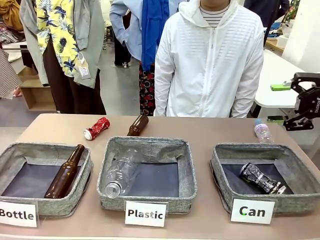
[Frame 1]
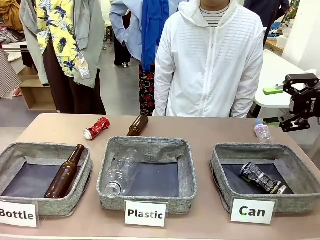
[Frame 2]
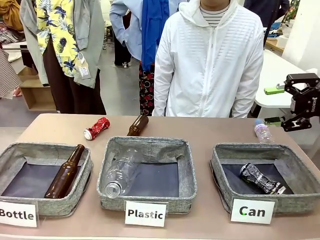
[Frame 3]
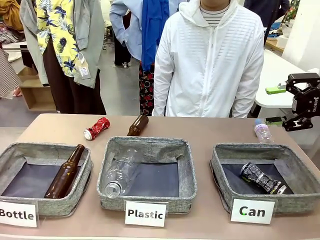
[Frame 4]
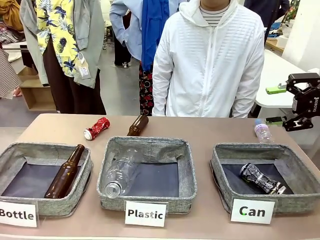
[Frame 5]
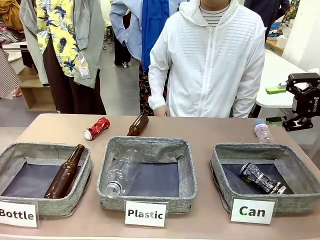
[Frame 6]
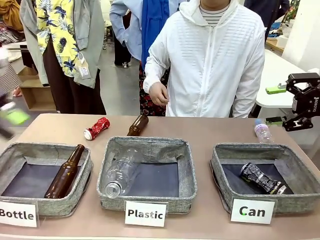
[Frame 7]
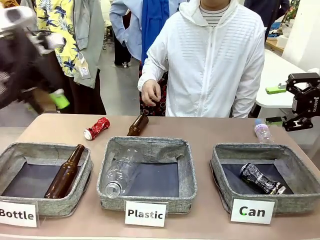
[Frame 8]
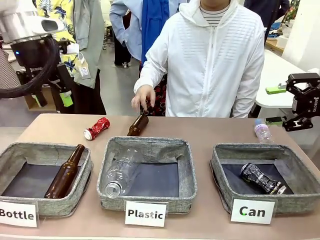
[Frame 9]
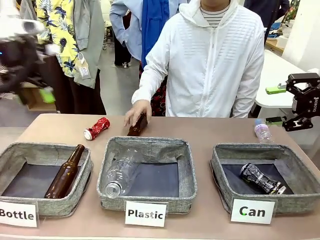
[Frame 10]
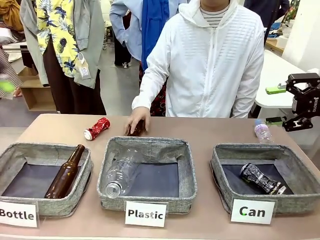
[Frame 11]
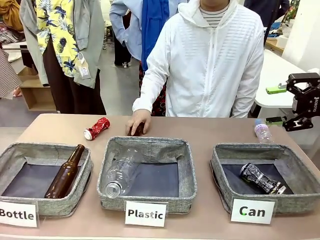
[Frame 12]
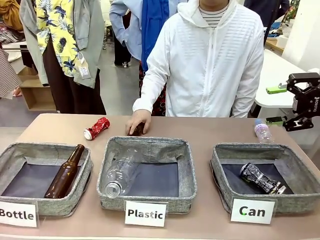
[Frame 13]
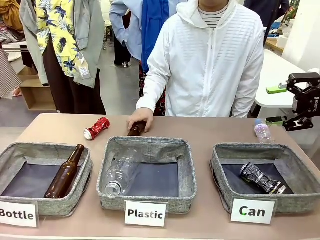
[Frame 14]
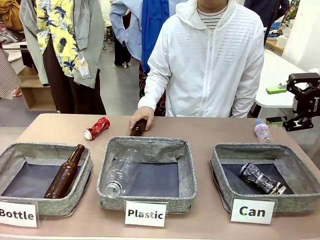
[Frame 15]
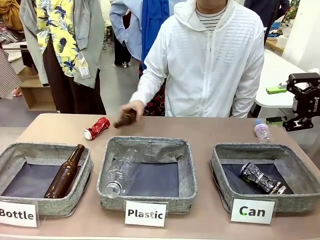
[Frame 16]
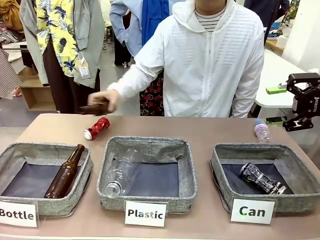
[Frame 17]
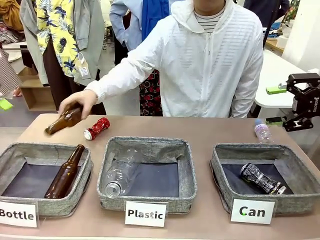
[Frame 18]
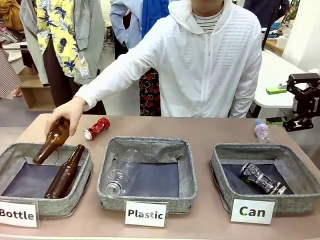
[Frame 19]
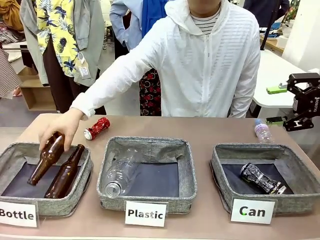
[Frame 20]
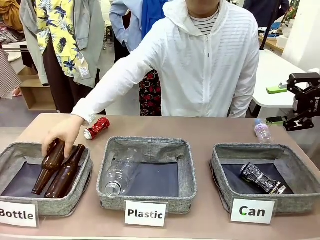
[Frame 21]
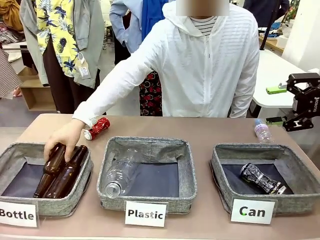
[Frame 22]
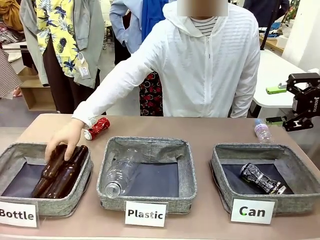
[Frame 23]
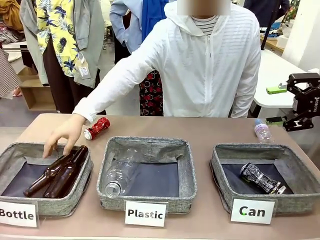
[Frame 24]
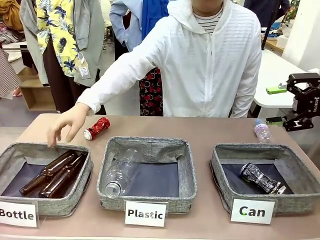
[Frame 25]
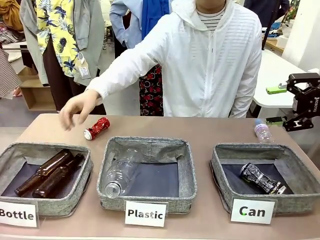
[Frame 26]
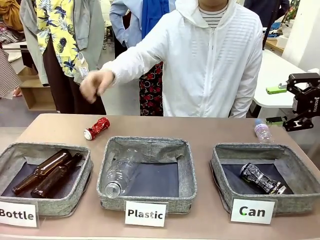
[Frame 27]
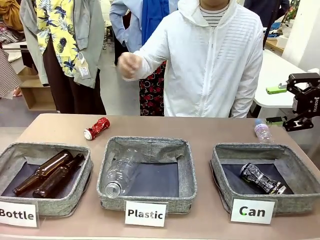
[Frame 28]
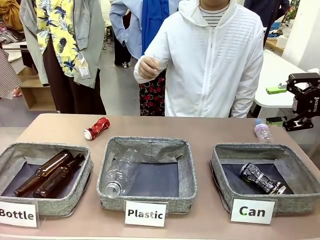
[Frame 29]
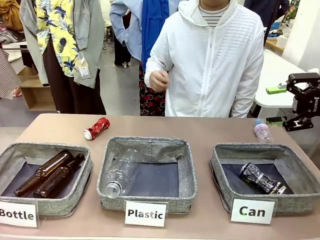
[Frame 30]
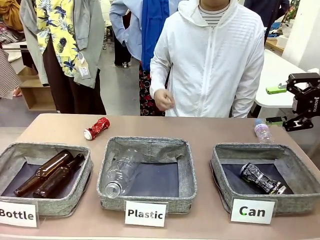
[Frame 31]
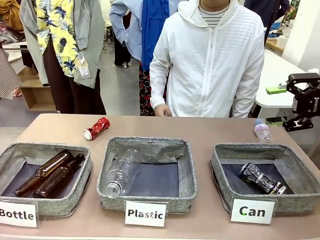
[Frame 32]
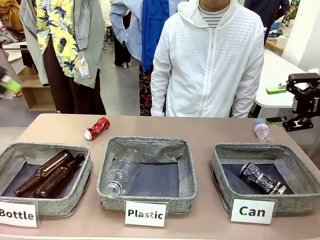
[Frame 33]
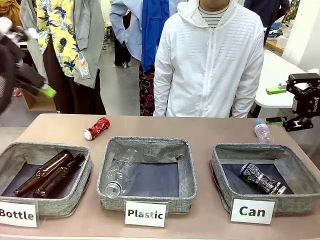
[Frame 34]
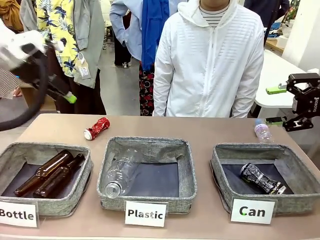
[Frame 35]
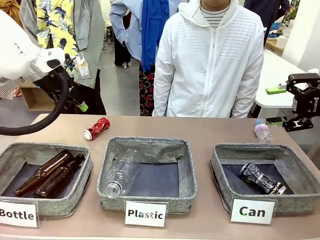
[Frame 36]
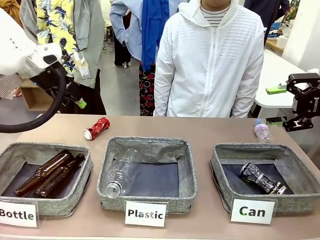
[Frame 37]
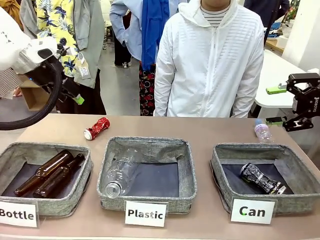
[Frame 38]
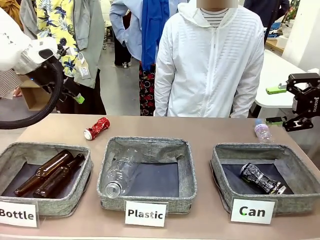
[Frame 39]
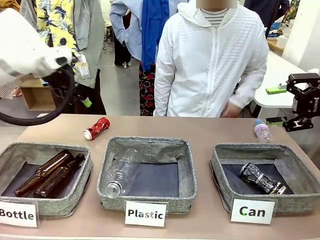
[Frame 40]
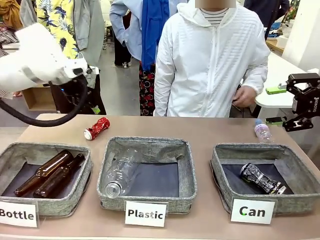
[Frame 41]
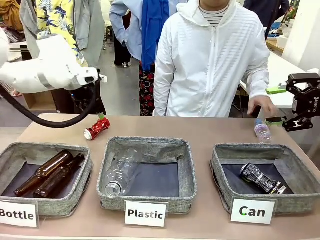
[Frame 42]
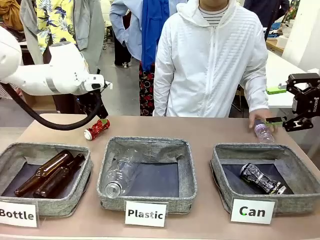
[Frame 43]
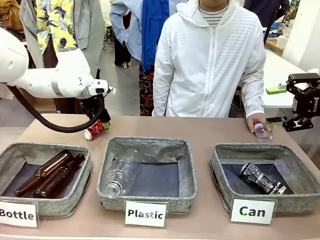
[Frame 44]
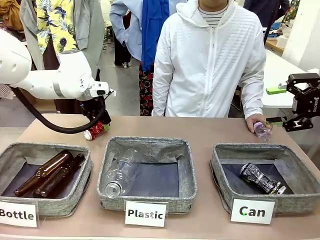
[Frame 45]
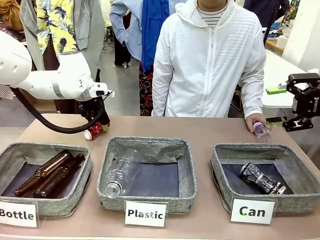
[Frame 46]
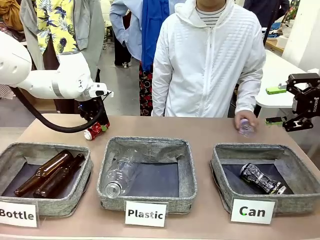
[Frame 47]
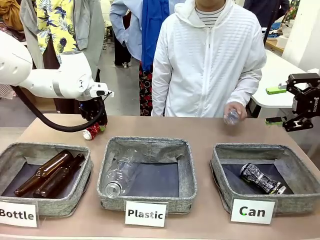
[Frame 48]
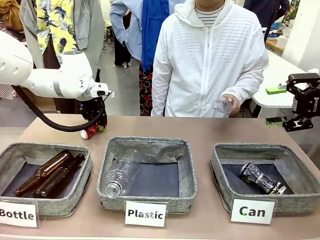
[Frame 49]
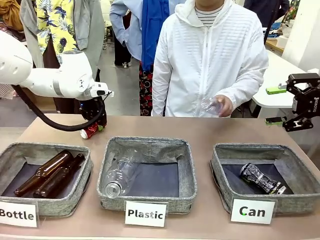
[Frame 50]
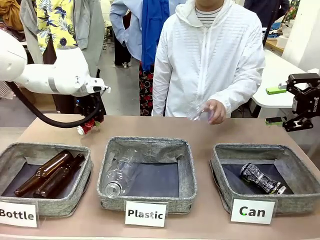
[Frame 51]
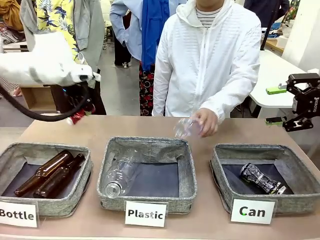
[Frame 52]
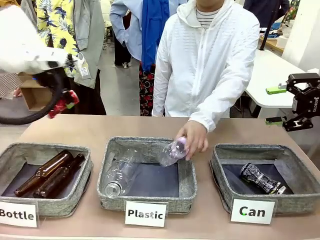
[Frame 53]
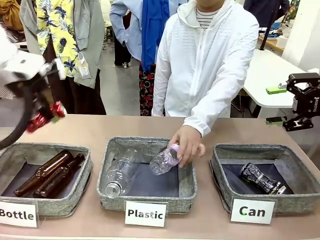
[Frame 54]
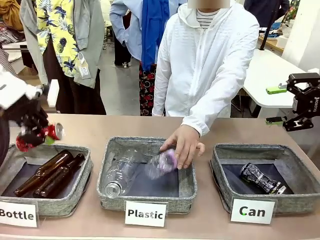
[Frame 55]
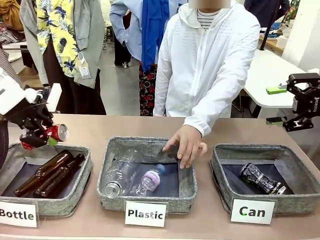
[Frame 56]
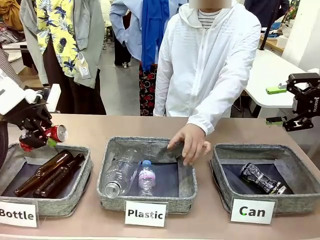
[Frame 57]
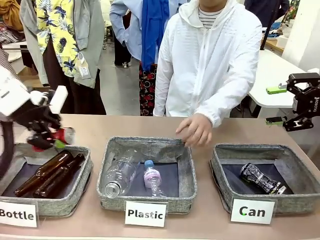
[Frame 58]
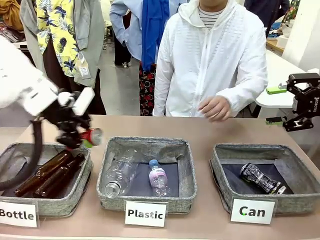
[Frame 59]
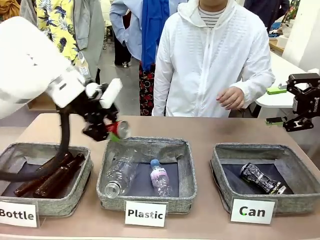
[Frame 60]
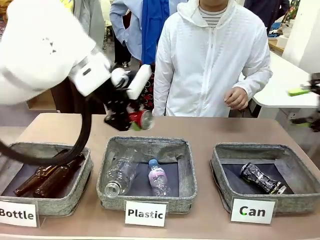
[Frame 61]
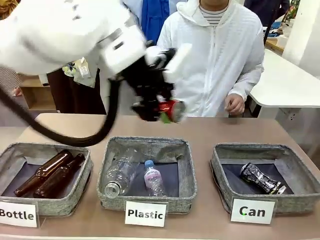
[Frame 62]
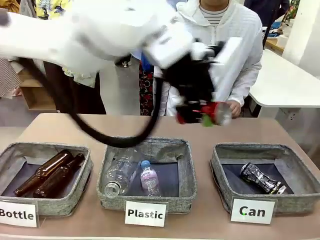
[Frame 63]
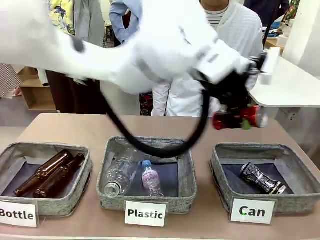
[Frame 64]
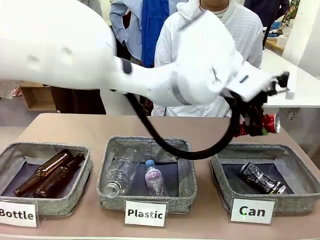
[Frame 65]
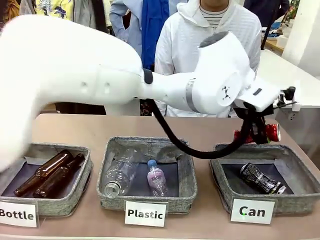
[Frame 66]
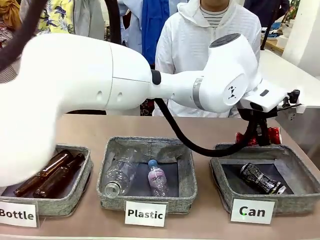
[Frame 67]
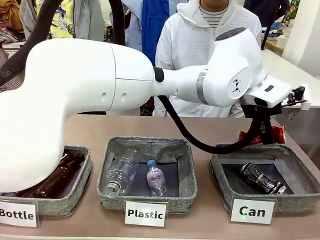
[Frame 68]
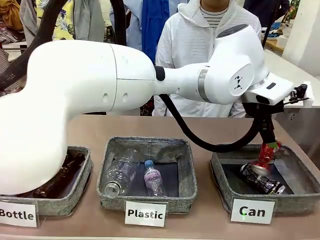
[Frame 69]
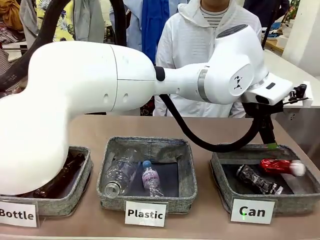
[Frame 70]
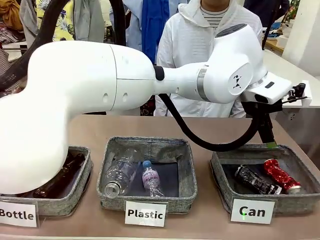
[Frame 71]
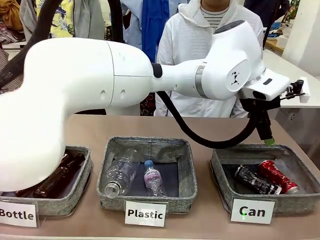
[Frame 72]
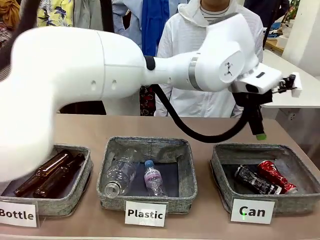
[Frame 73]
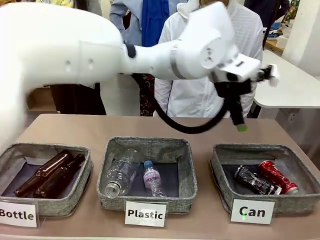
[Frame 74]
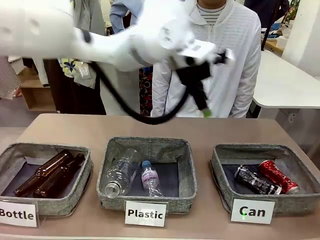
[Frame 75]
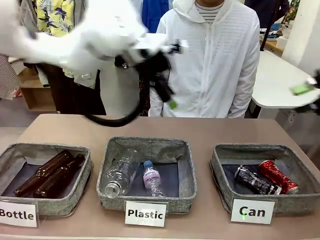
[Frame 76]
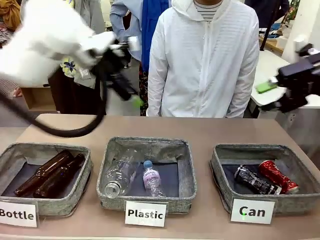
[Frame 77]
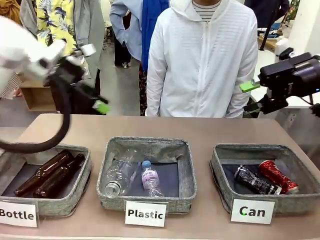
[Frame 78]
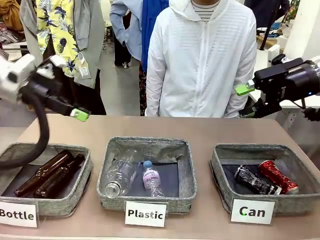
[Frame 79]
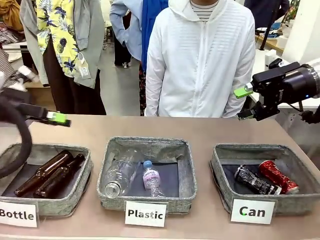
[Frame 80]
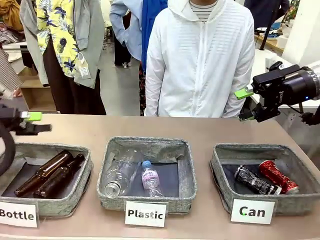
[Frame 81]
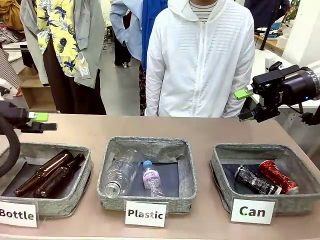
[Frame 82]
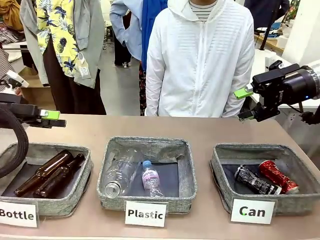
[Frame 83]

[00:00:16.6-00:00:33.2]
Task: Sort the can waste into the basket.
Robot: Pick up the can waste from the table and place it in the right Fabric basket.
